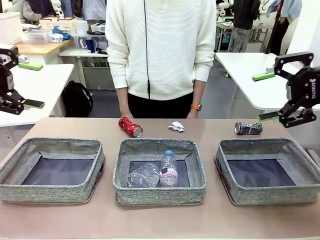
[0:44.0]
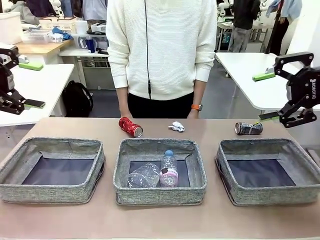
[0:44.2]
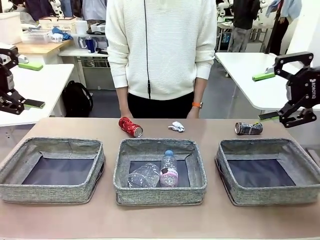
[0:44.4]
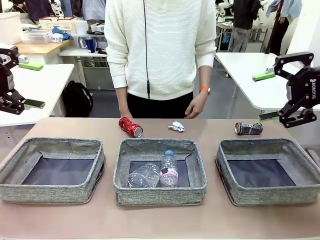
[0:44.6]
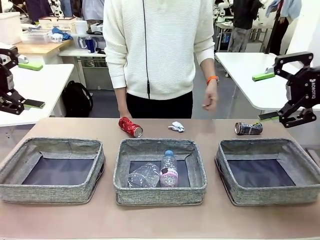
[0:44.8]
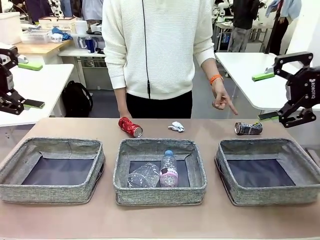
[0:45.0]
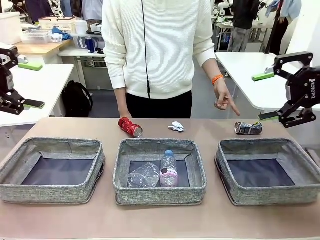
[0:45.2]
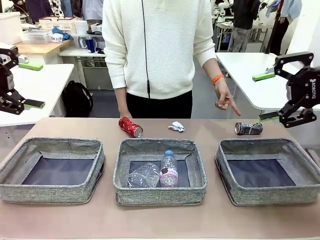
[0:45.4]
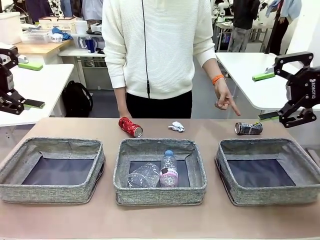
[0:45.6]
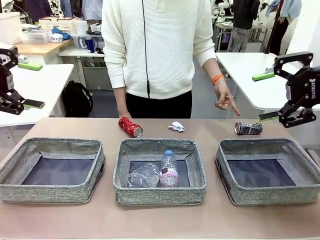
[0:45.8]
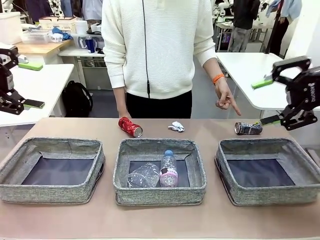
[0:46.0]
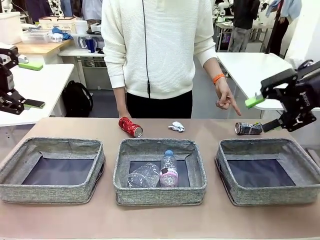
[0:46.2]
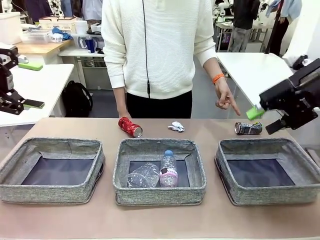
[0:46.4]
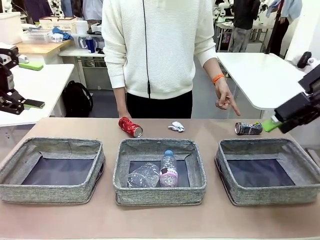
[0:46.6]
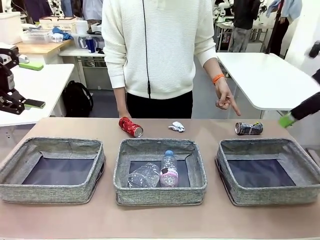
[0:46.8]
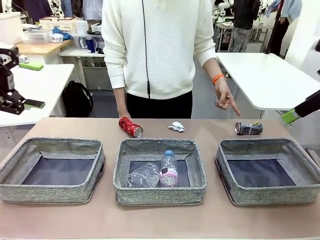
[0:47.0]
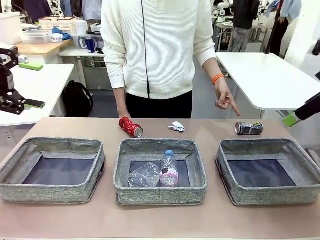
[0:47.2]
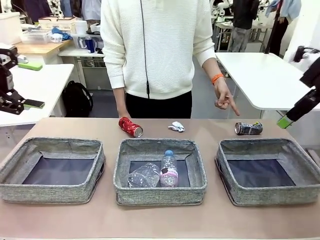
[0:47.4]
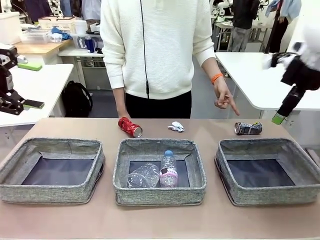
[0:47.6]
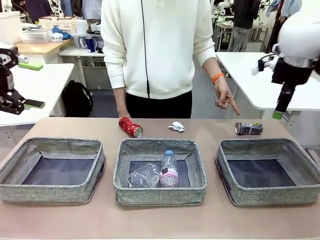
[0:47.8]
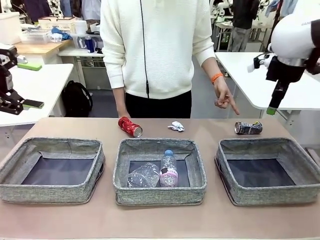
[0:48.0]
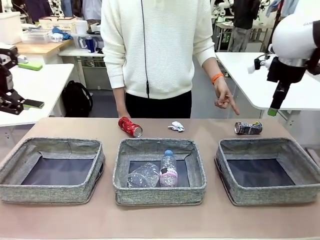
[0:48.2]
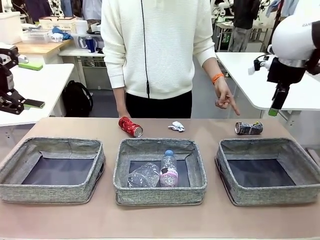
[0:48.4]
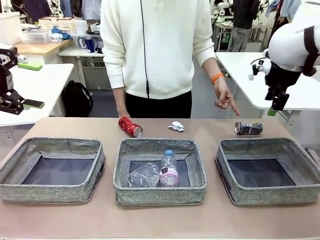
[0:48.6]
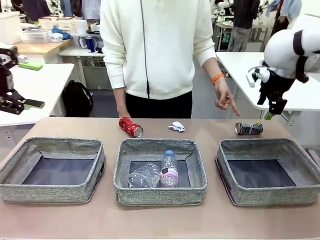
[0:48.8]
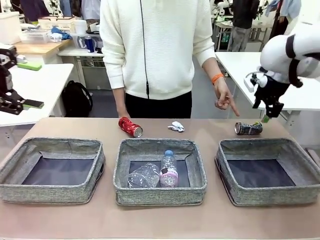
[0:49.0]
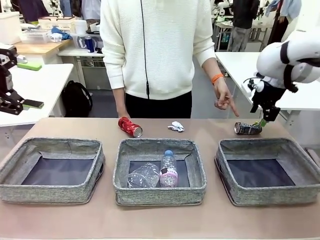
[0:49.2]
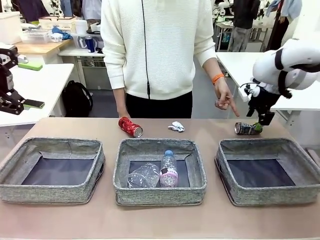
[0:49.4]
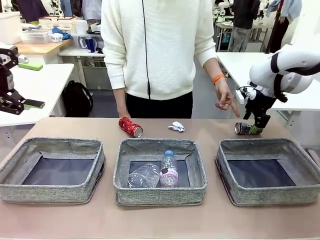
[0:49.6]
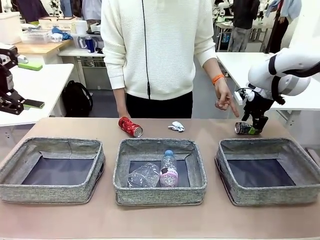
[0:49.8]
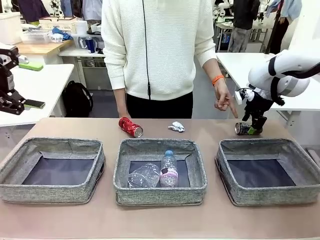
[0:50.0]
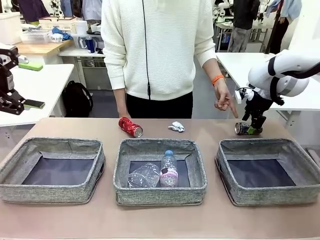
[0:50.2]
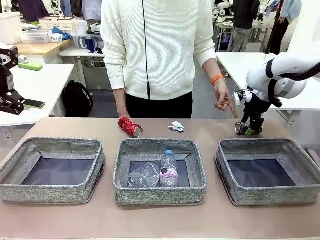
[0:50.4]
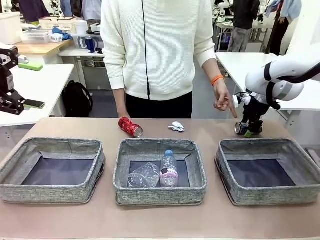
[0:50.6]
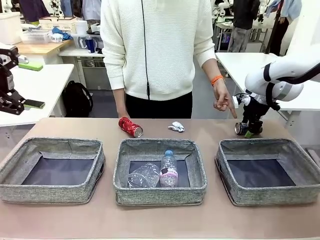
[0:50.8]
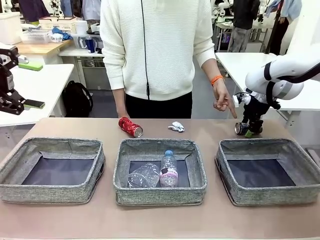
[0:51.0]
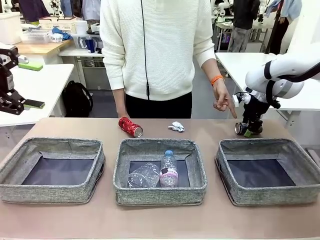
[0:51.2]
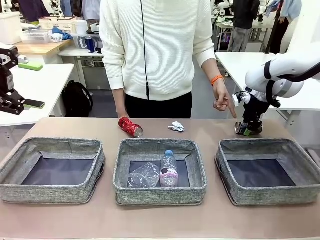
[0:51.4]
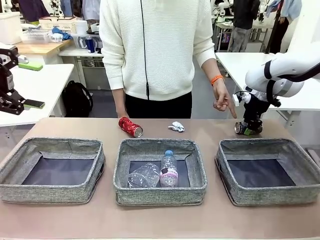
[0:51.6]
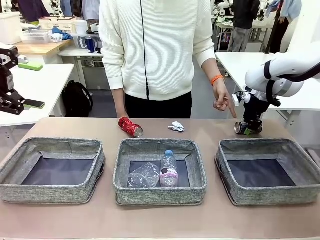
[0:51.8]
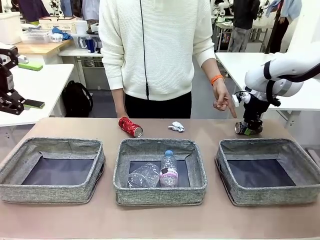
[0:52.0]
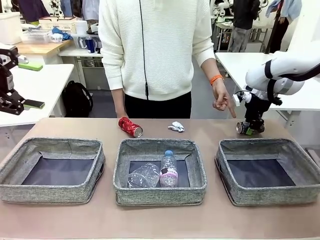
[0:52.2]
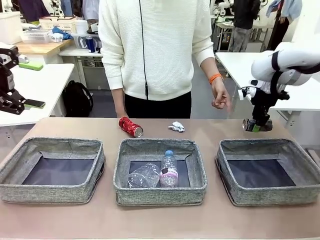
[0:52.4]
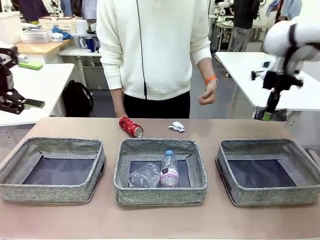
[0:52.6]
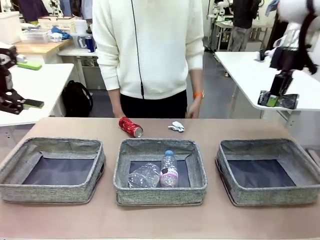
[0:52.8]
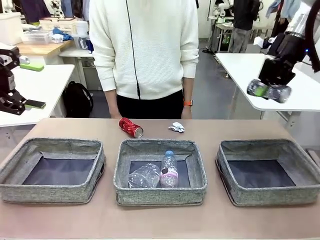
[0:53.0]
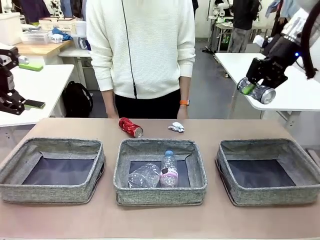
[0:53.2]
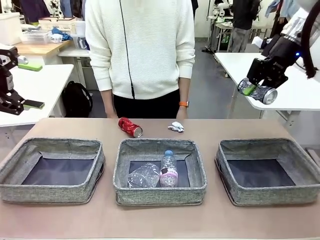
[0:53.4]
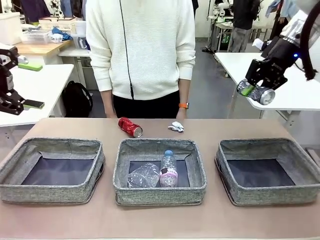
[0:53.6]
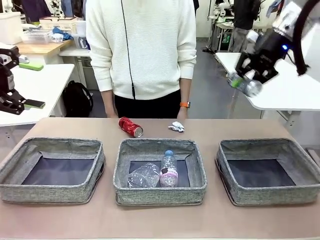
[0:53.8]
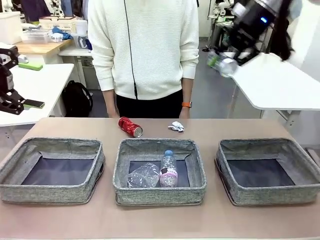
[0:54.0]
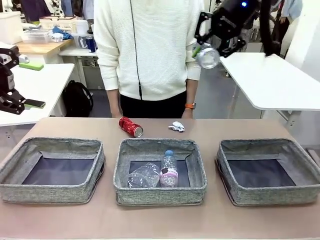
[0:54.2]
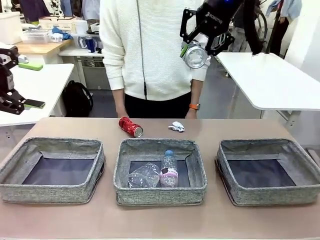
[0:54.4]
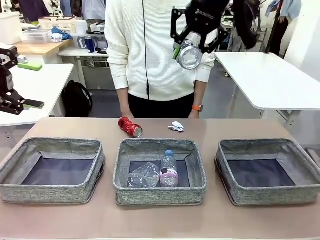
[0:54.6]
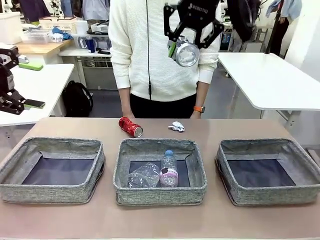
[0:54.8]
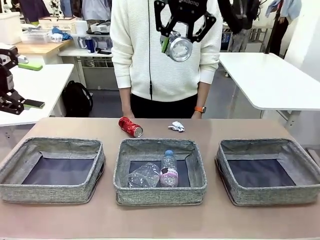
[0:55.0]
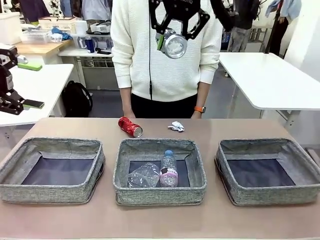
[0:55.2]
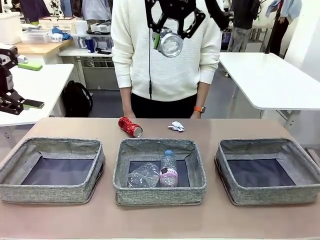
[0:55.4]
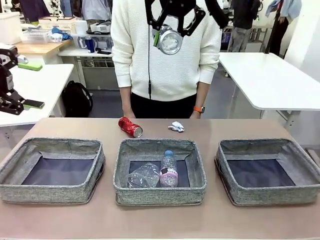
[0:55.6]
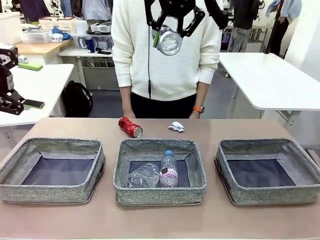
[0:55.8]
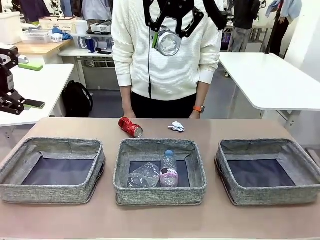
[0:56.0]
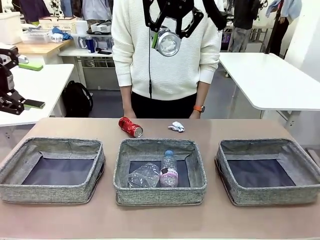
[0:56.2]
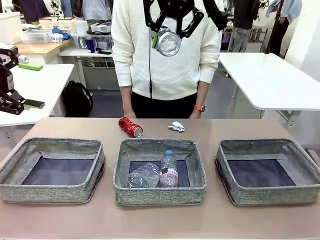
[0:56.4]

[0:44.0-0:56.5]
Task: Sort the waste into the appropriate baskets.
Robot: Pick up the waste item pointed out by the person.
Person: Points to one piece of trash on the table.

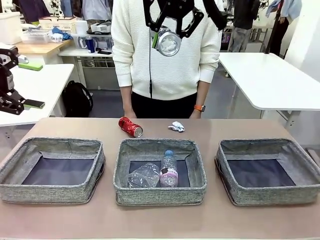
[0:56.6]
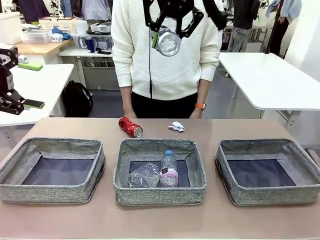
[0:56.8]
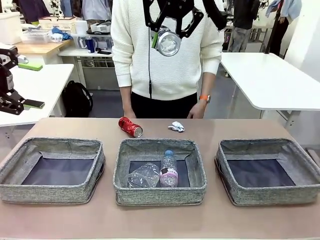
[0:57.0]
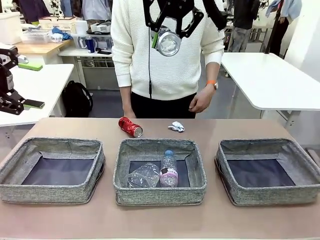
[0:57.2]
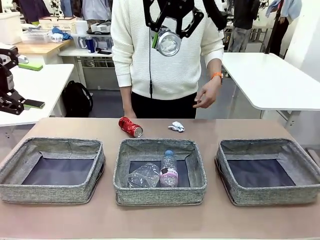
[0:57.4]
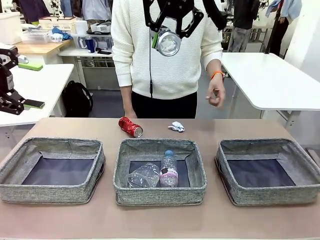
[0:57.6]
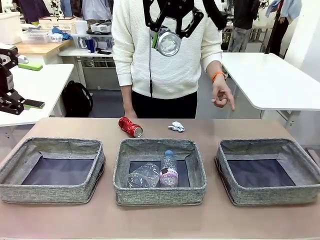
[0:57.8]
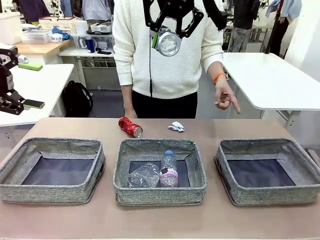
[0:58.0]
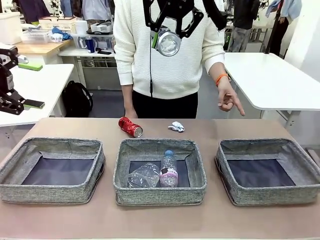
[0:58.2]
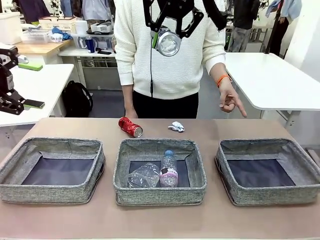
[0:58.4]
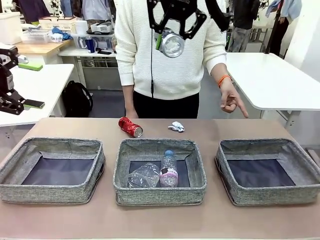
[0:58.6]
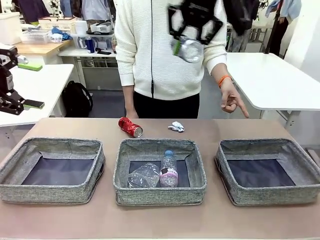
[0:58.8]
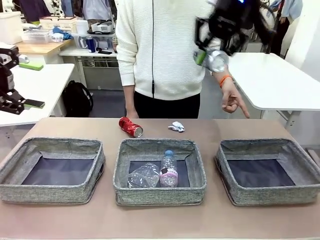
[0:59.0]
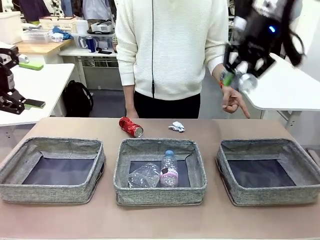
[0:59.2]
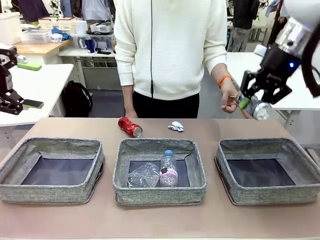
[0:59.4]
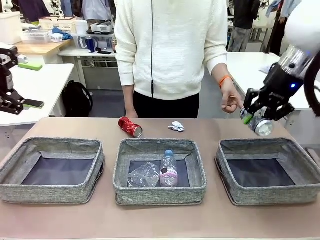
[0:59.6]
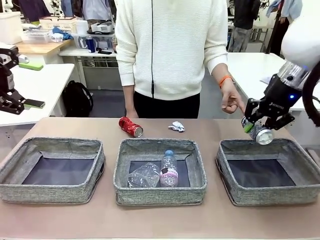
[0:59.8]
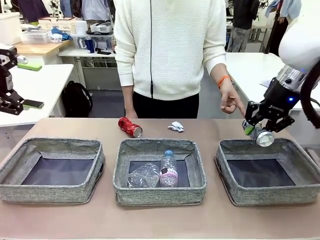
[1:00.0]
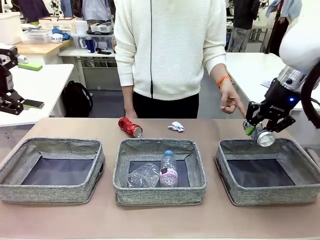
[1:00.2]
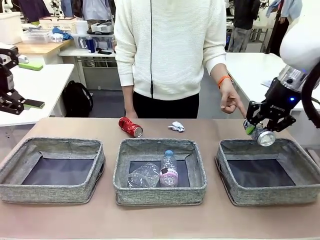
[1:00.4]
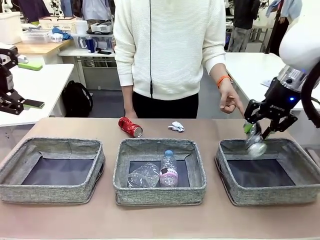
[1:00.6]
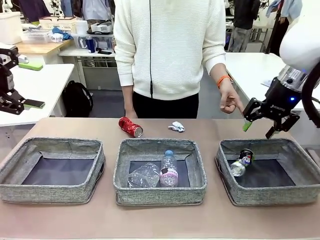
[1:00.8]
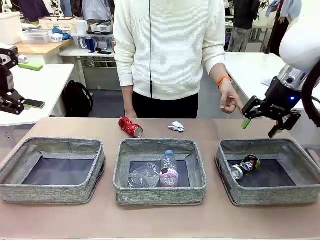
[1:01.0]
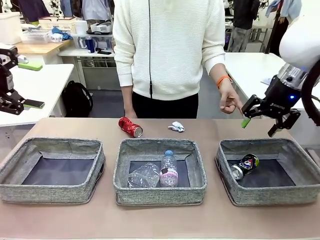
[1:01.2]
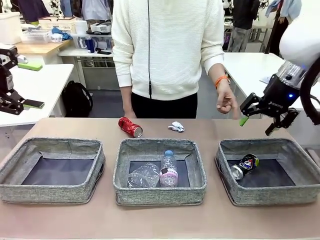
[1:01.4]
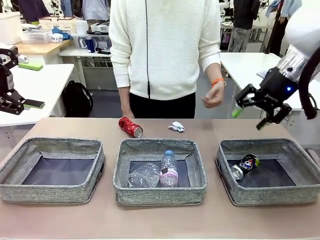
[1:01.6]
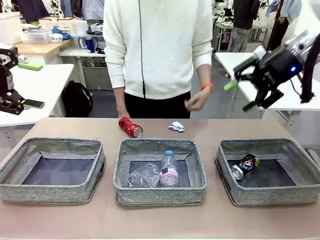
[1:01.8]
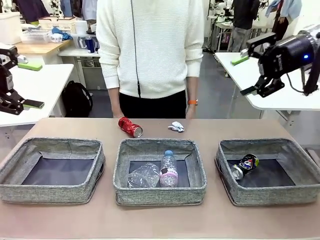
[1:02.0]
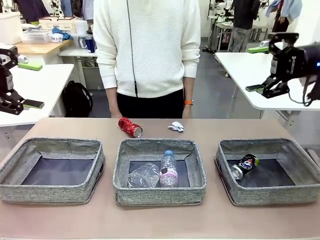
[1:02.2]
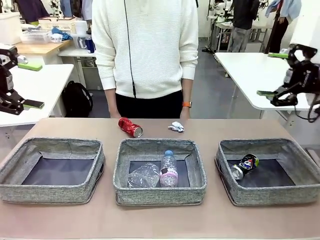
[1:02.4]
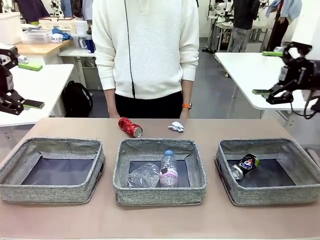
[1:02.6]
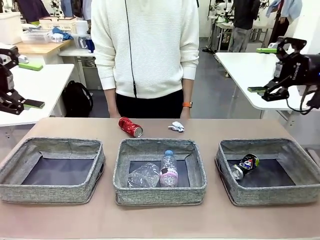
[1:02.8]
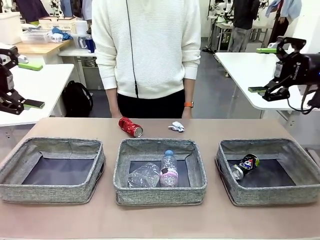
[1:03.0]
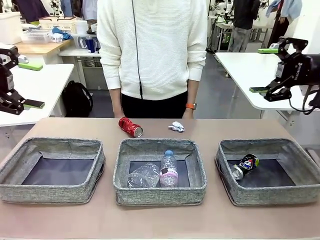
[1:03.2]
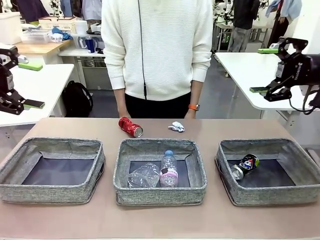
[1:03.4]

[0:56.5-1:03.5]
Robot: Place the picked waste into the Fabric basket indicated by the person.
Person: Instructs the robot to place the picked-up trash into the appropriate organizing basket.
